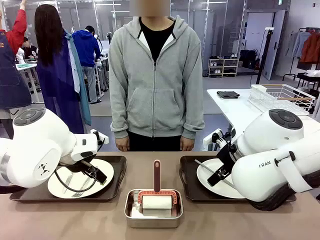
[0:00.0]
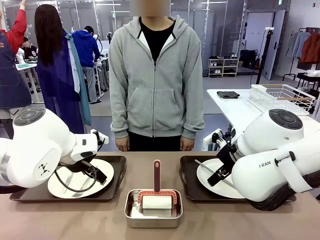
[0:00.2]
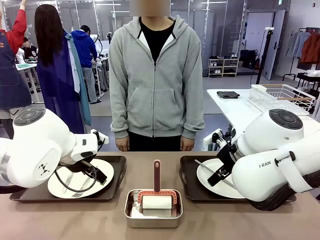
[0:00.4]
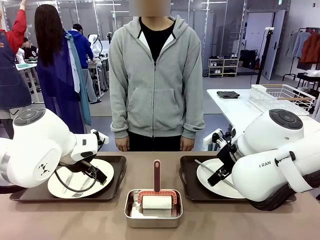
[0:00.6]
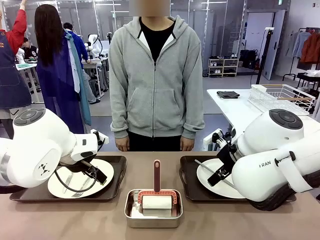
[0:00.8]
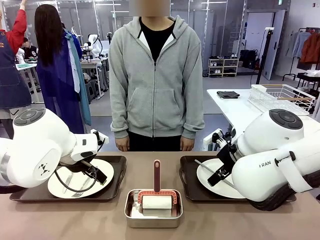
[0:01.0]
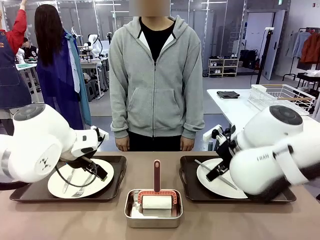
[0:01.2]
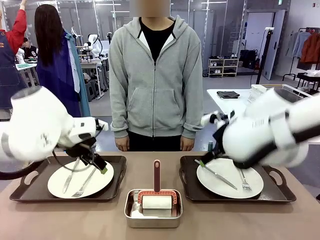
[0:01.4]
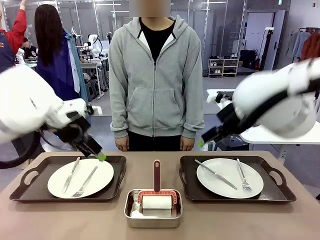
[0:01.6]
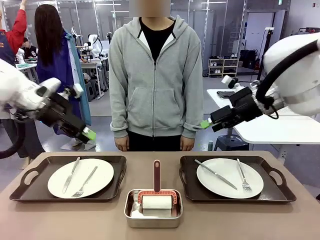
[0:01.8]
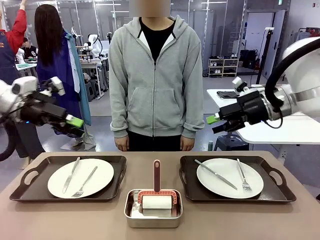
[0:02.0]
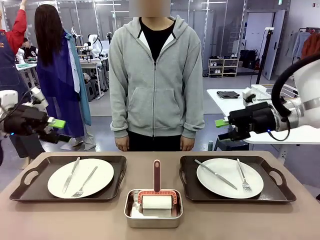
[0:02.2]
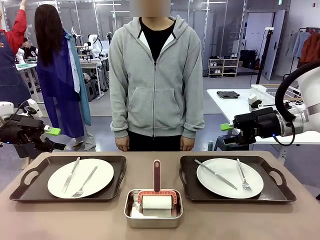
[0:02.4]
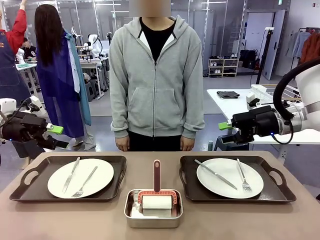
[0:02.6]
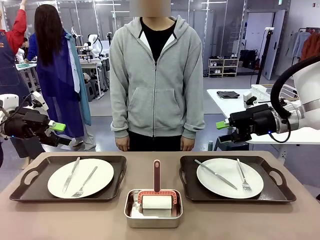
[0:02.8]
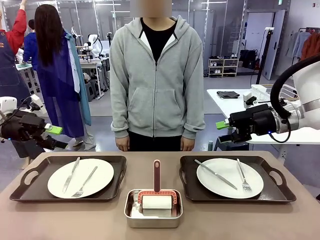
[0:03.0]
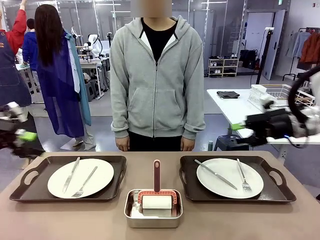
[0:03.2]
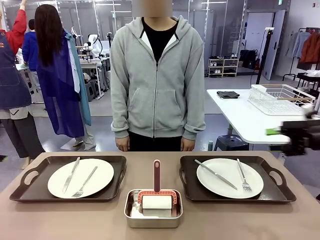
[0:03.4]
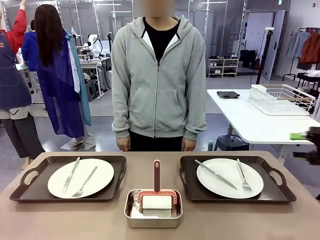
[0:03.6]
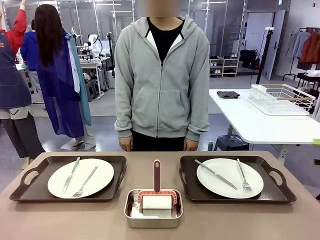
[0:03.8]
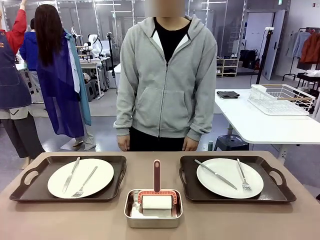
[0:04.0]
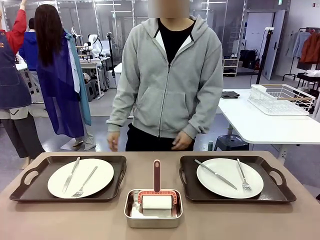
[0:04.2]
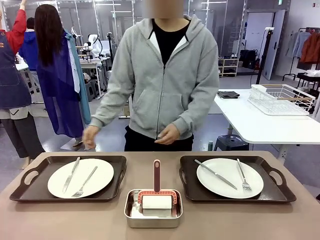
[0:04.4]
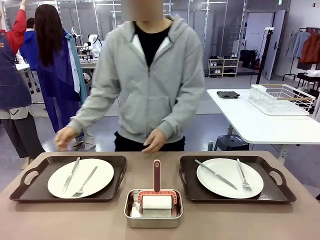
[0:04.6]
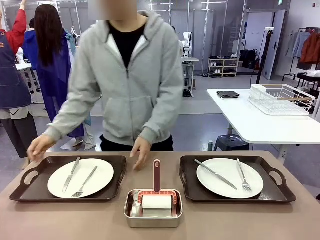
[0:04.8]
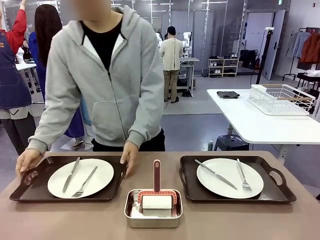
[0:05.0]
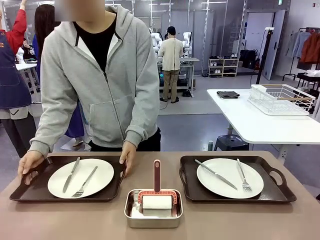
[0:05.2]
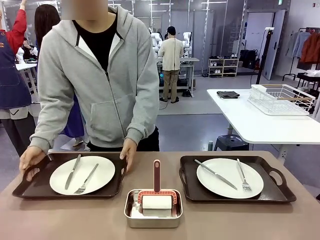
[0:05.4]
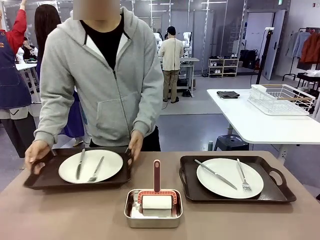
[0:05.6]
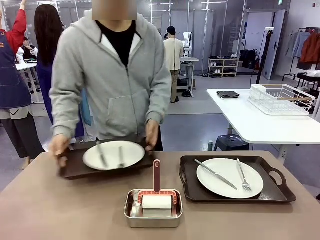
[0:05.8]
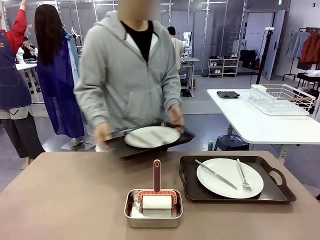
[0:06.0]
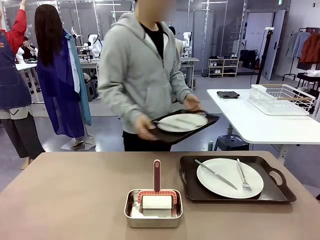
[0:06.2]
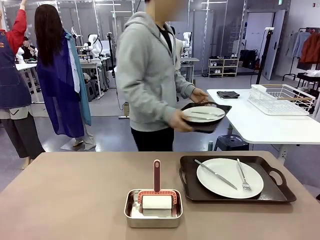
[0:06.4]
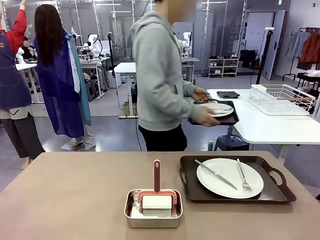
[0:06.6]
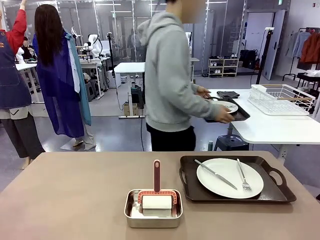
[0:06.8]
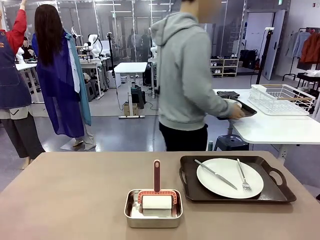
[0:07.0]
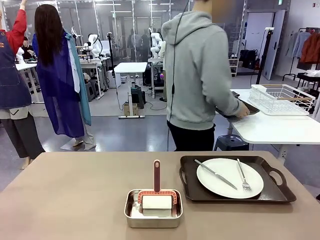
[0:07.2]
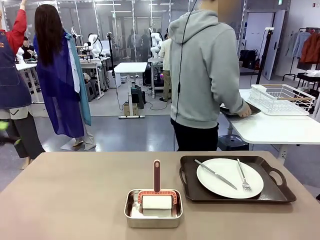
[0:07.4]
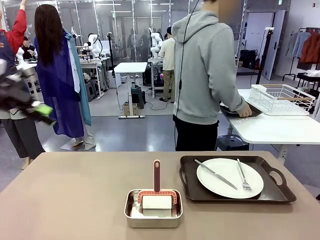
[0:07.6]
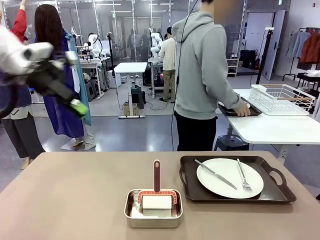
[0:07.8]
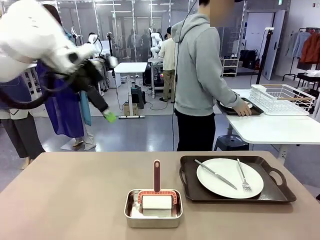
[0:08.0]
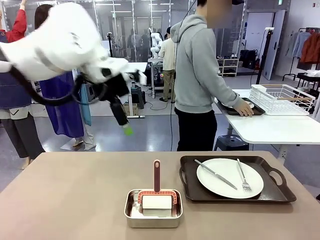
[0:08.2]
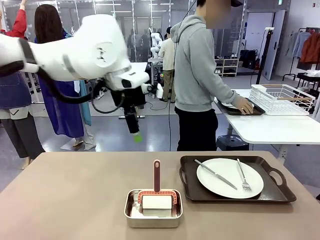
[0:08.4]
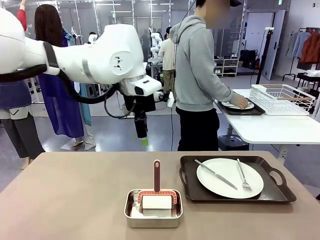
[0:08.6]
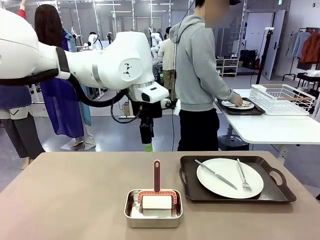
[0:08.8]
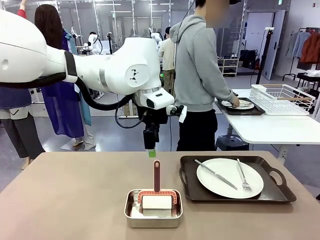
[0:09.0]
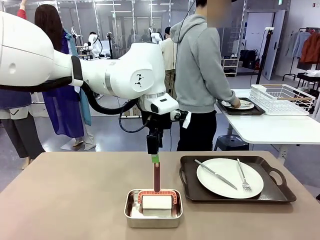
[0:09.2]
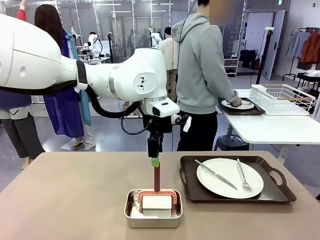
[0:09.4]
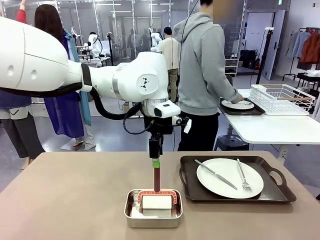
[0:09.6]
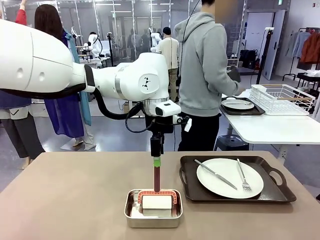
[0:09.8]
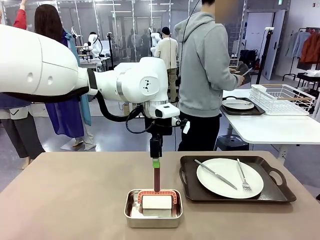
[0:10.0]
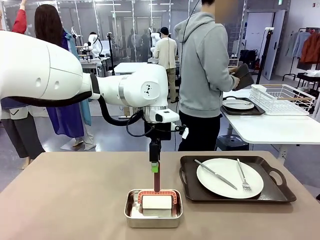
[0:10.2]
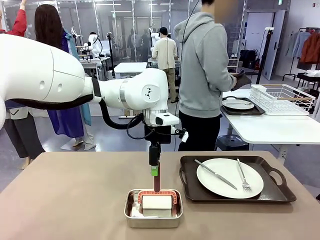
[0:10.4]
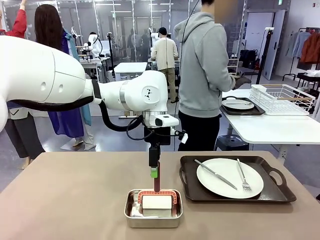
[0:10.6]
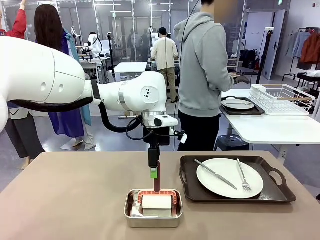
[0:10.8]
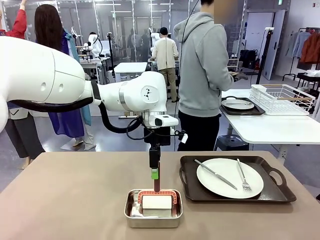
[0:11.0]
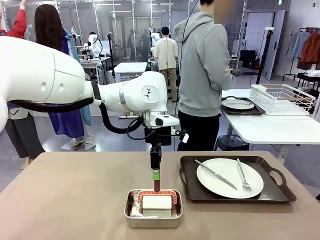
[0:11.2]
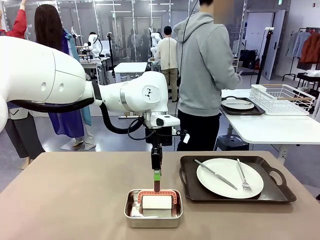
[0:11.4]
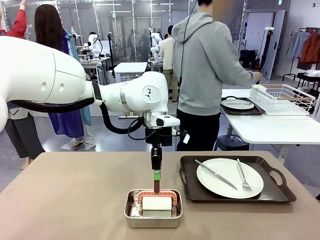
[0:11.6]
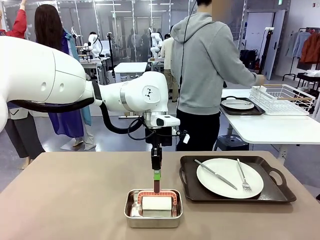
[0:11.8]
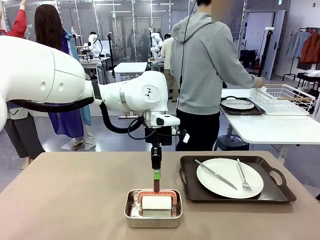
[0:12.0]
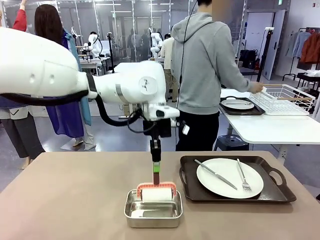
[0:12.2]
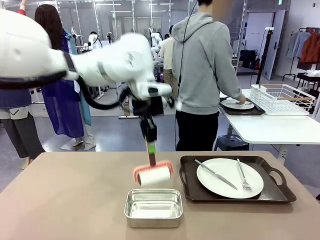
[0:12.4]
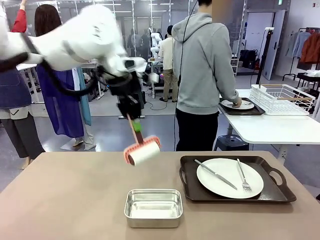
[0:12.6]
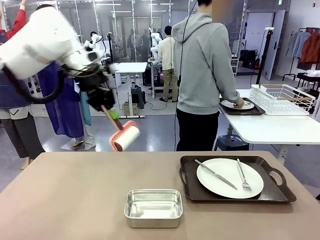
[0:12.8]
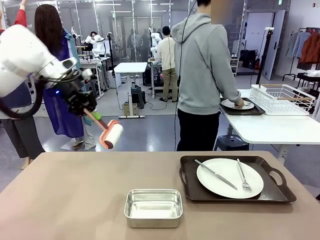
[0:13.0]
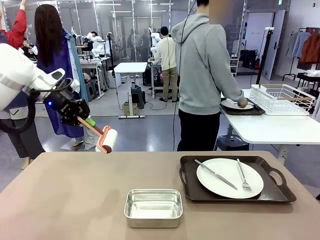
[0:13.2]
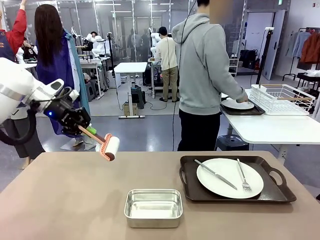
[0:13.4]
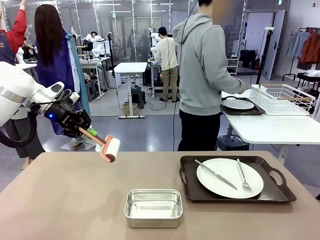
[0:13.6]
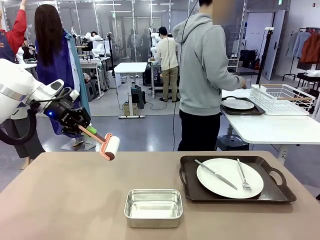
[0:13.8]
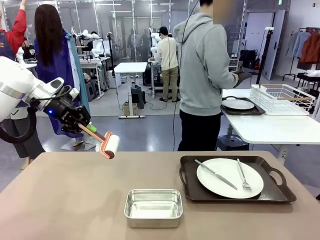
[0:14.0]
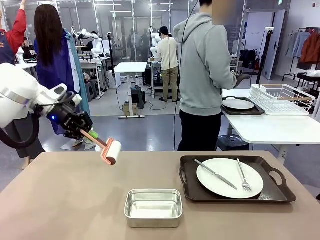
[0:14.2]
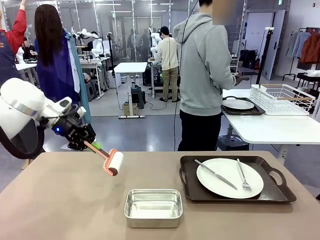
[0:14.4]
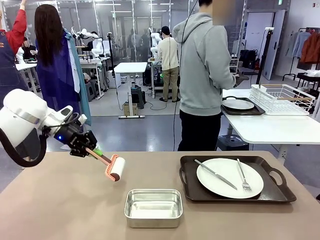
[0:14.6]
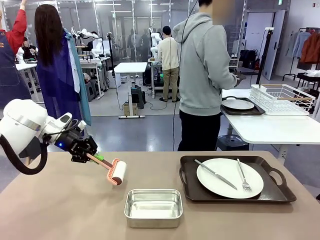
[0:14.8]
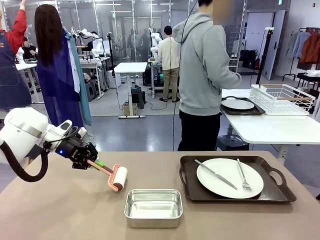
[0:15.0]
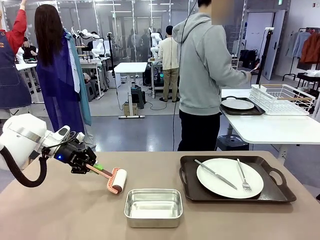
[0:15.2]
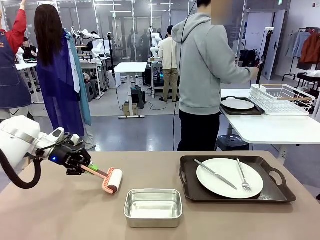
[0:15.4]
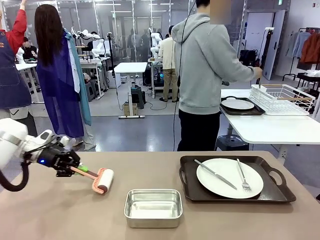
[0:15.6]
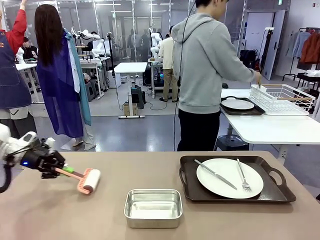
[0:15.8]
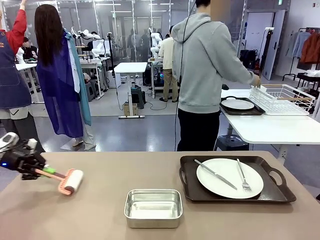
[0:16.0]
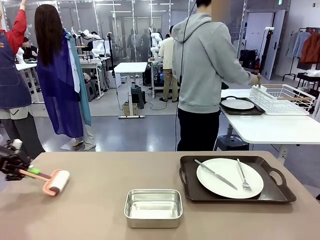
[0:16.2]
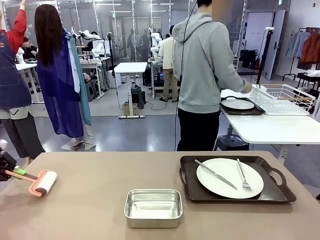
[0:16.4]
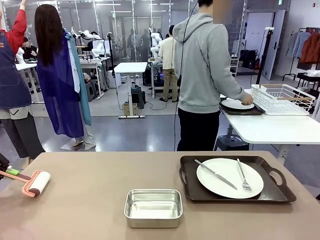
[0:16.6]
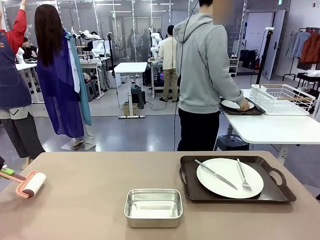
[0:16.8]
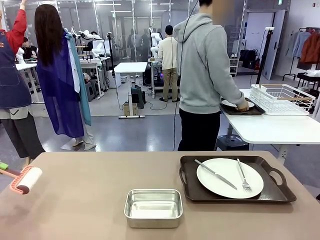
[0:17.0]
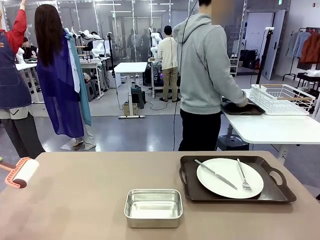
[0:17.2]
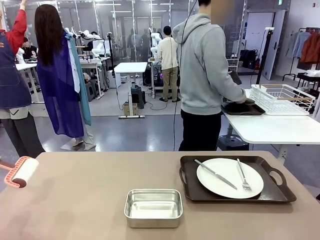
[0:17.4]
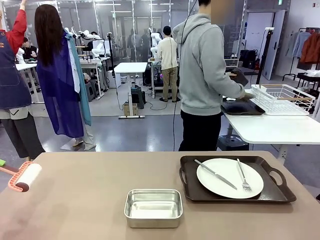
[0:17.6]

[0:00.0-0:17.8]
Robot: When the left (or right) Handle tray is removed, use the left hand (or right hand) to clean the left (or right) side of the table with the Lint Roller.
Person: Pick up the left (or right) Handle tray and place it on the middle of the Human's table. Use the Towel with hook to wipe the Plastic Matte Plate , Fork , and Knife and place into the Dish drying rack.

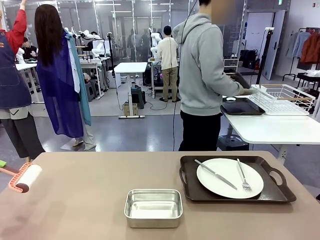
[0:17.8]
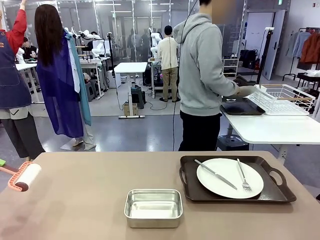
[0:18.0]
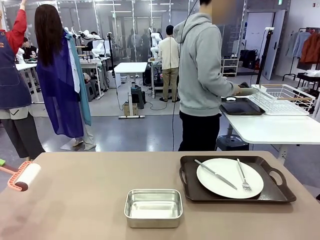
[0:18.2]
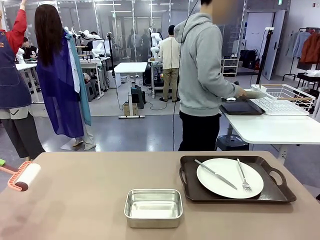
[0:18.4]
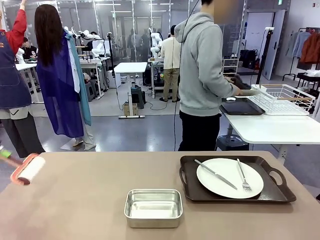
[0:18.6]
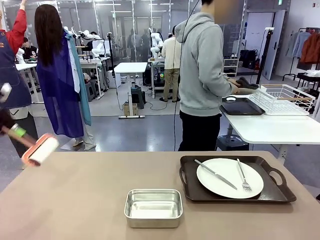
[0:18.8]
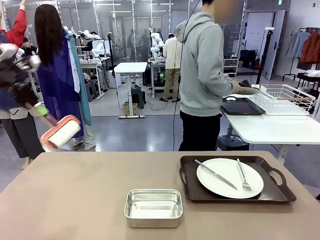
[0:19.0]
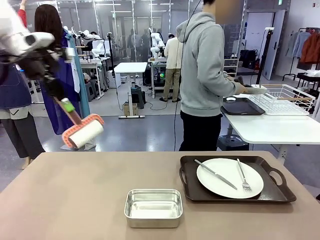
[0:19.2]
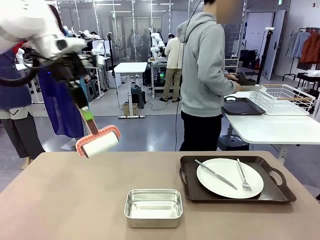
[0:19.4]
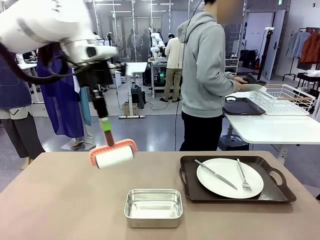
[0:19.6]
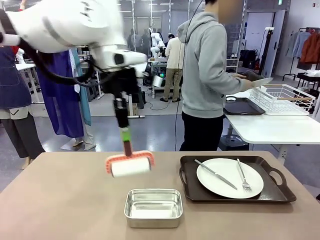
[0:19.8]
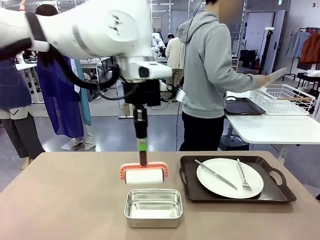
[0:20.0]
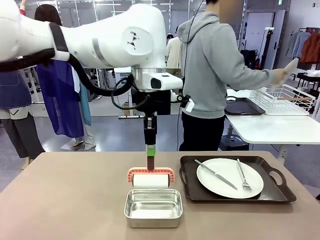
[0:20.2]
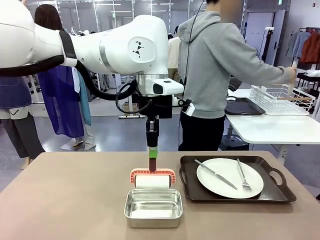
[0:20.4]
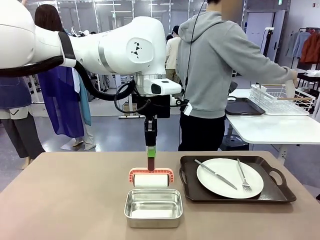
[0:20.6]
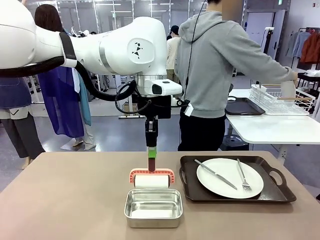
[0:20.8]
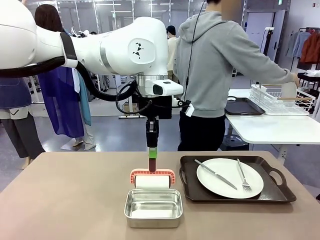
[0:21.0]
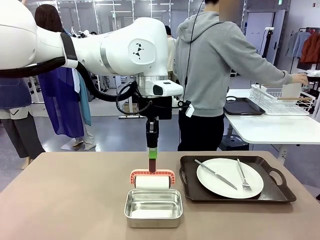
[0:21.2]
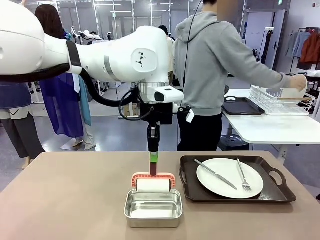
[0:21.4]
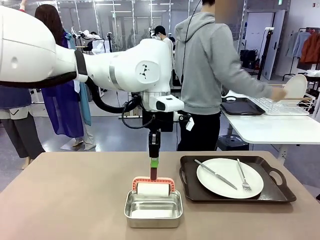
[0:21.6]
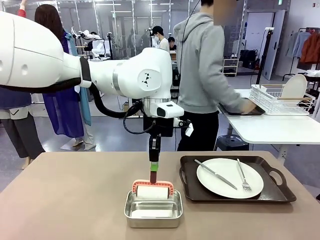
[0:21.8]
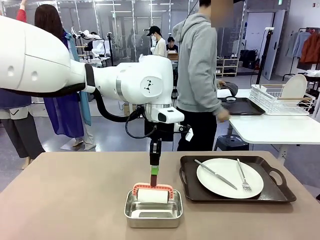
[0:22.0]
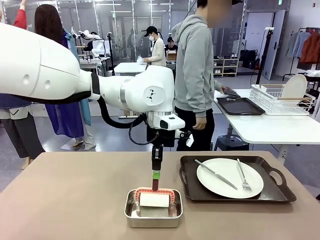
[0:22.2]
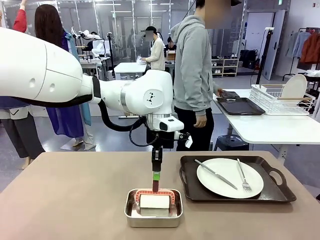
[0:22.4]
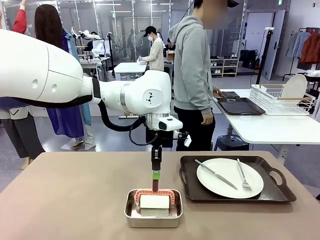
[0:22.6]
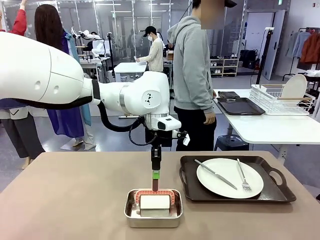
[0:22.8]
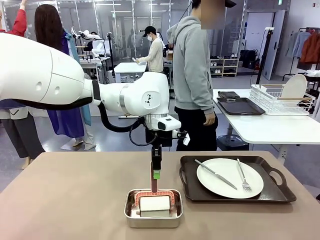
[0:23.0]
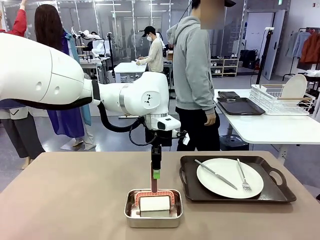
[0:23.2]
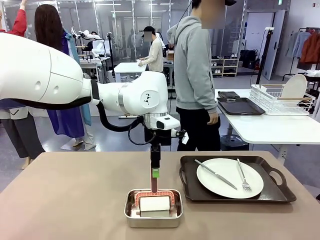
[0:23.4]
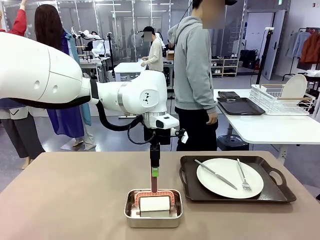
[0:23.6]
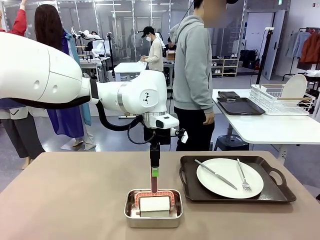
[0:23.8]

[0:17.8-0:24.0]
Robot: Place the Lint Roller back on top of the Airtight Container.
